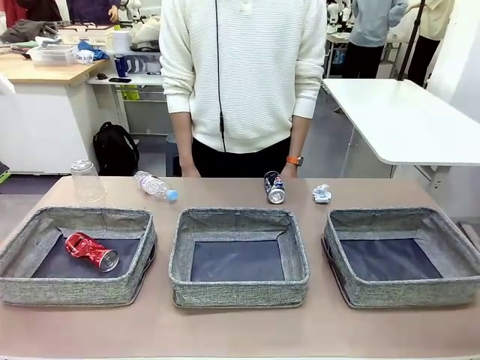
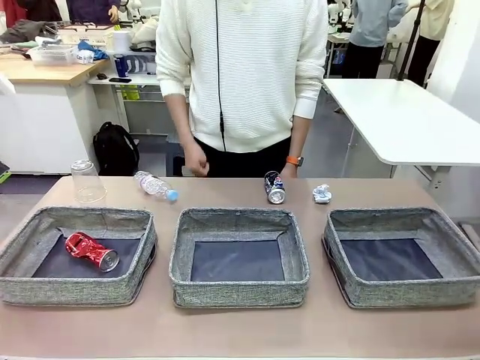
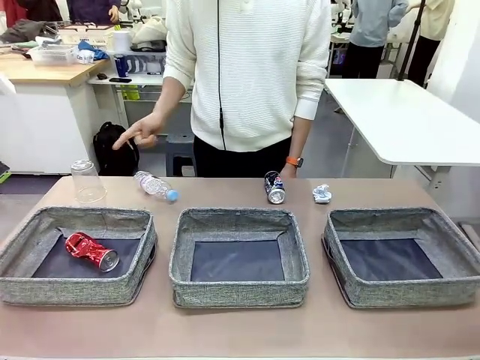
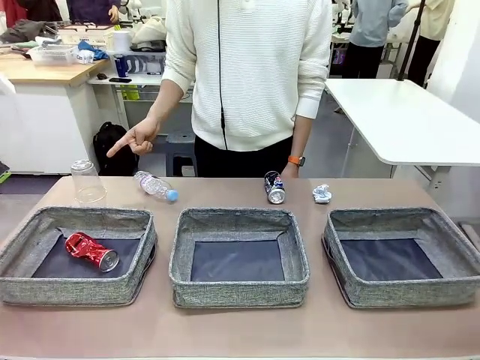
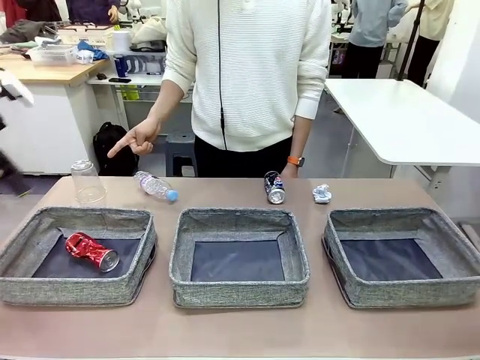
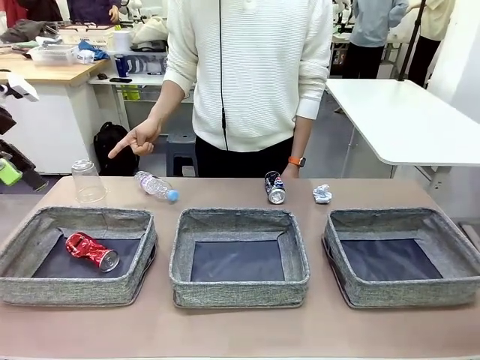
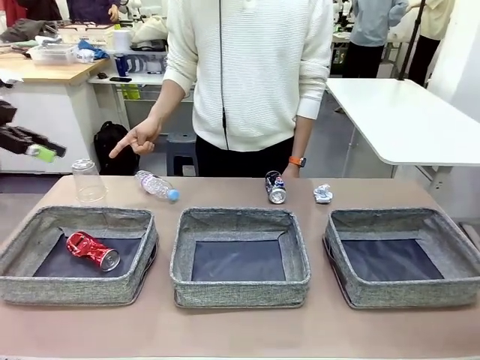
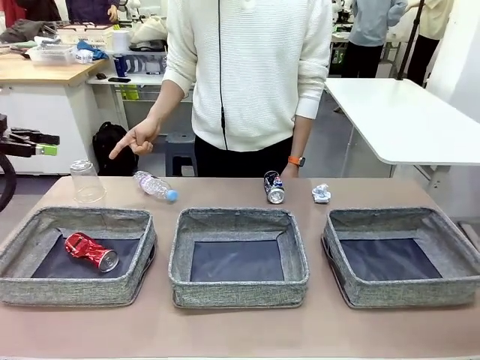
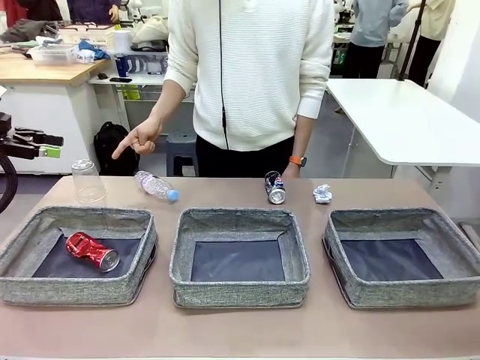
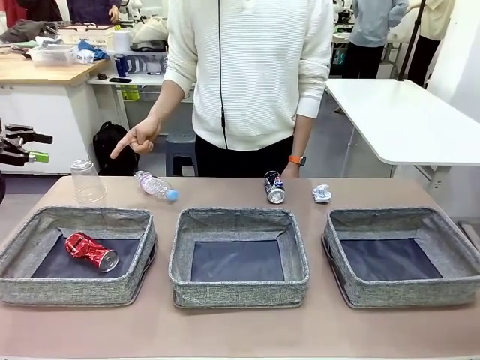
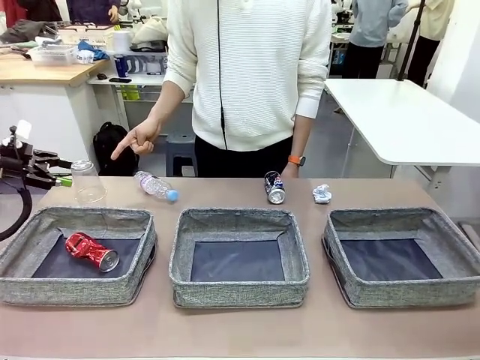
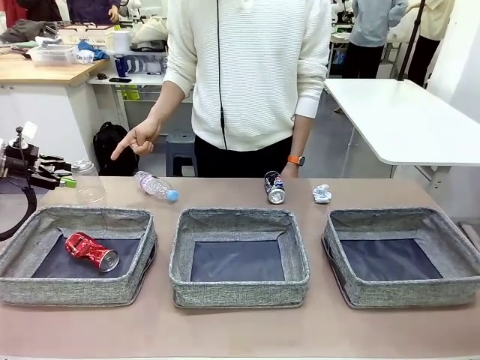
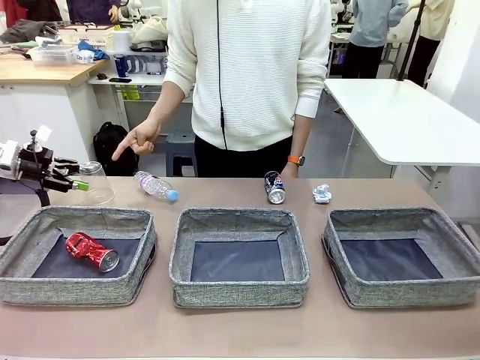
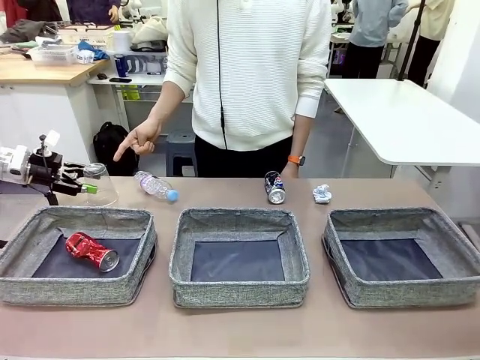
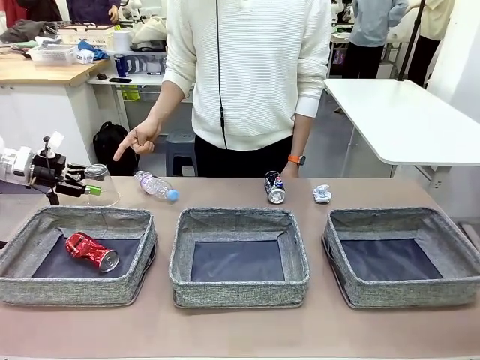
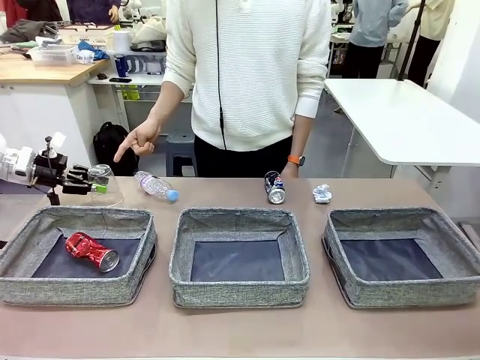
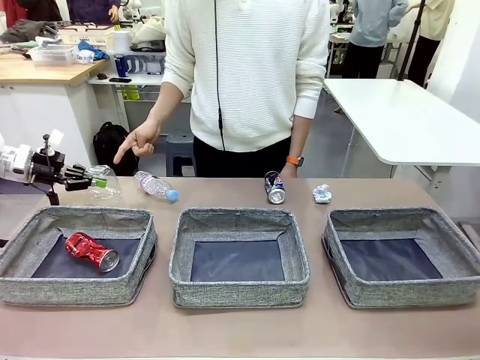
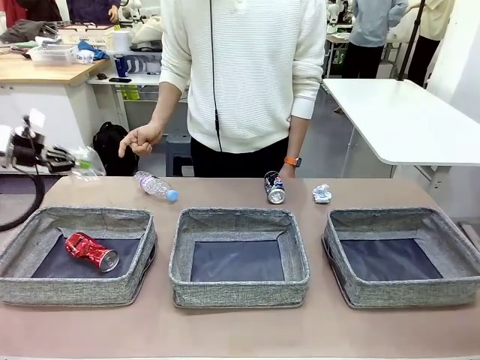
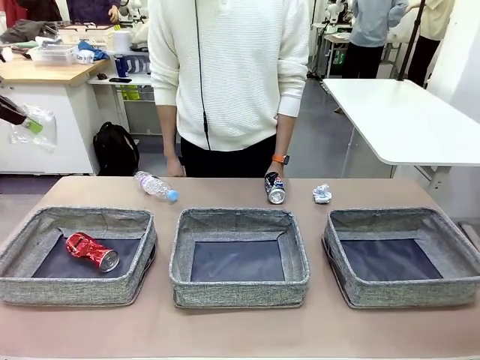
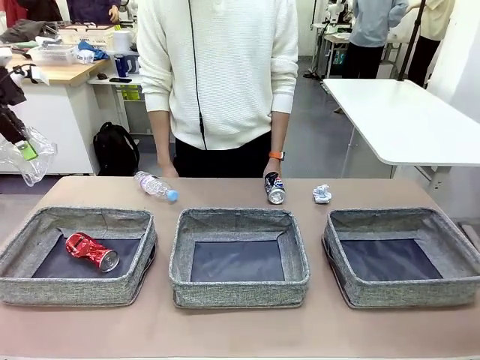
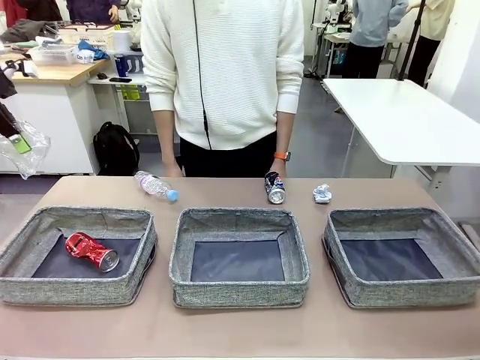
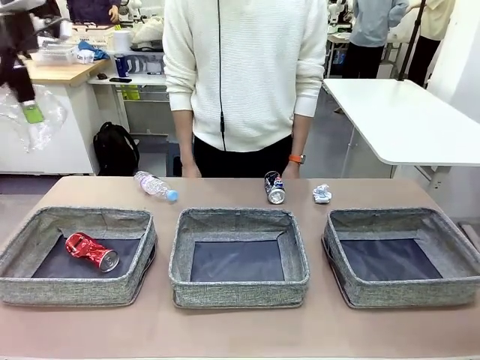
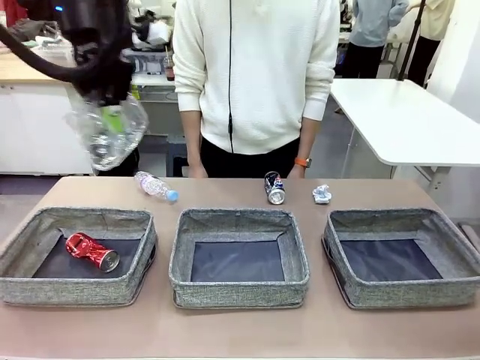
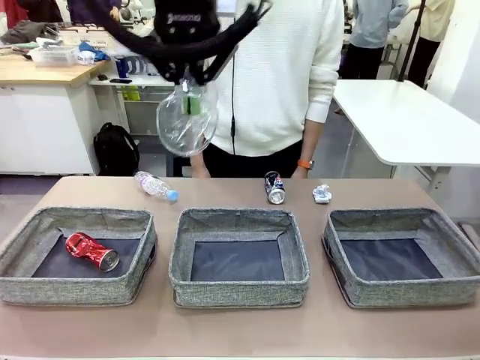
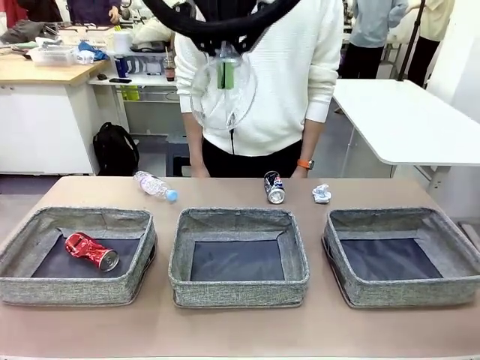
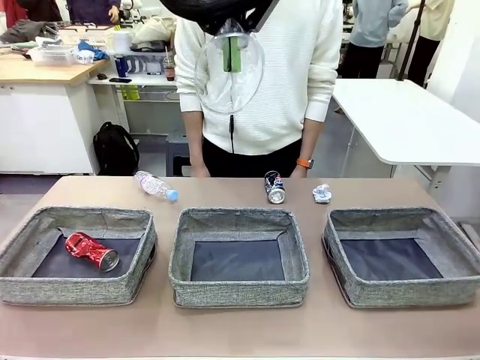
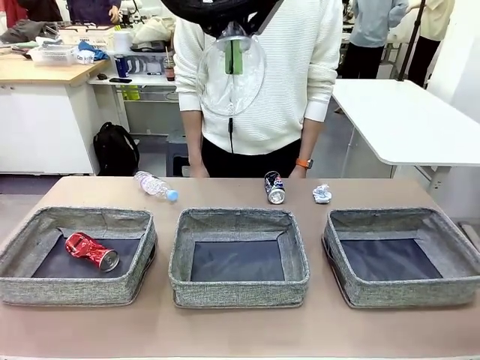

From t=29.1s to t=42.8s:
Task: Sort the waste into the appropriate baskets.
Robot: Pick up the waste item pointed out by the person.
Person: Points to one piece of trash on the table.

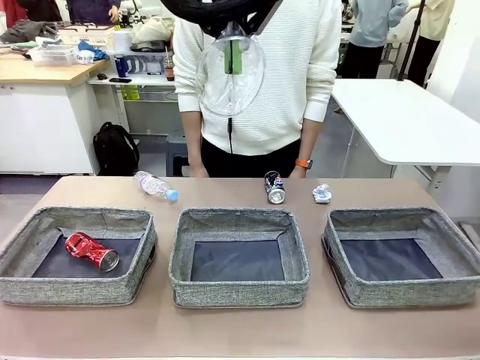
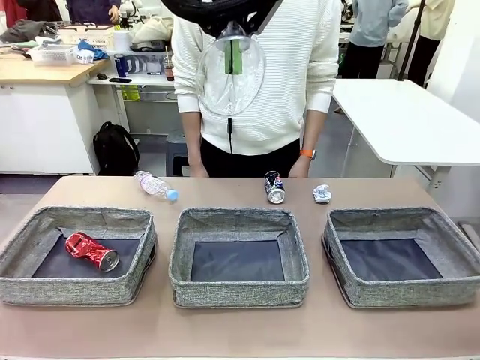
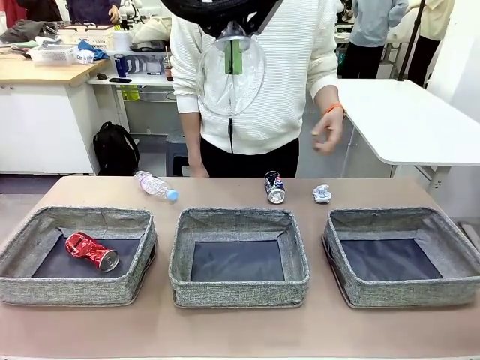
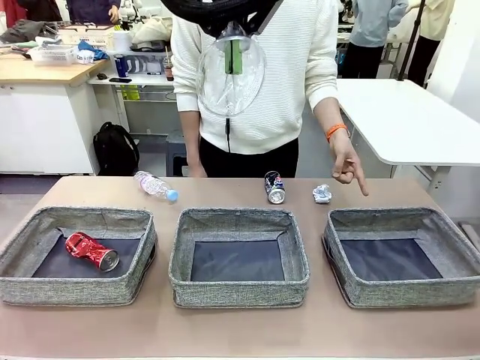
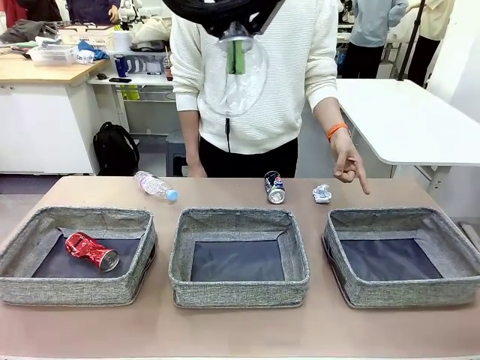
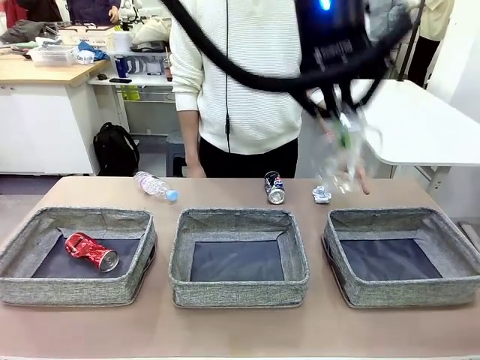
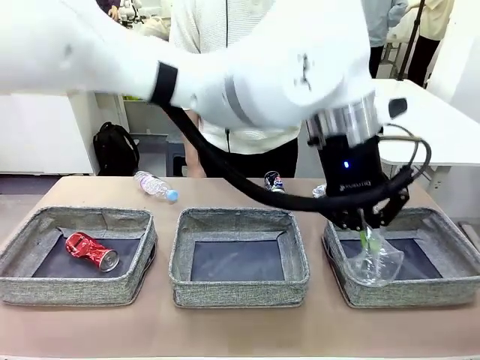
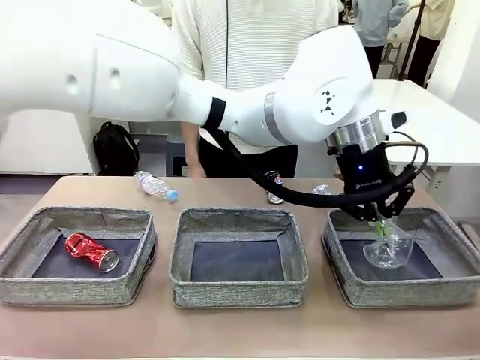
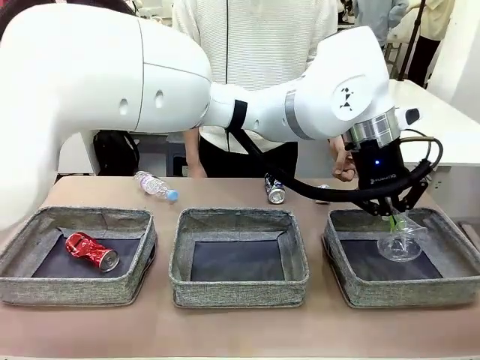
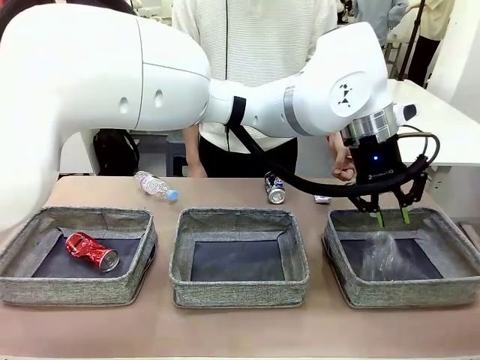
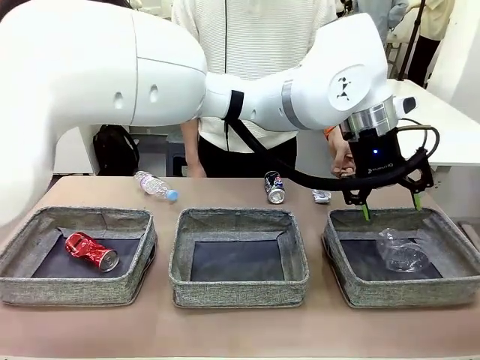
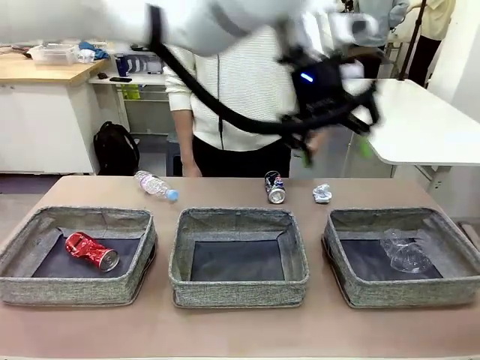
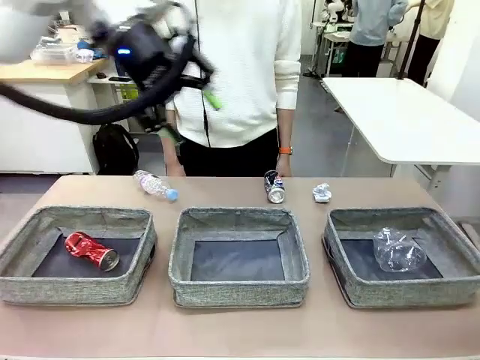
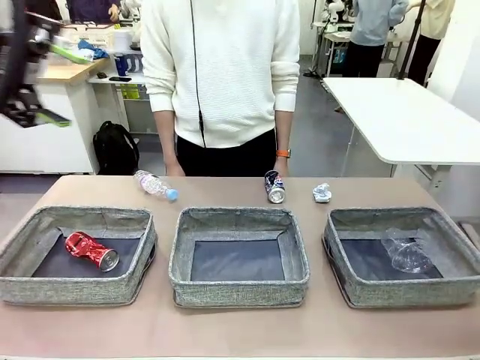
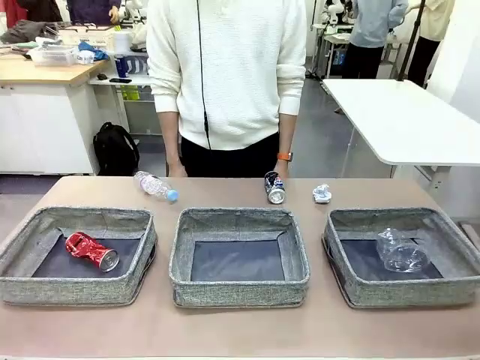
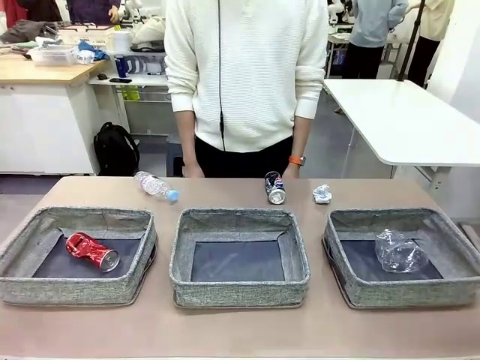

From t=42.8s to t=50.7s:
Robot: Place the picked waste into the Fabric basket indicated by the person.
Person: Instructs the robot to place the picked-up trash into the appropriate organizing basket.

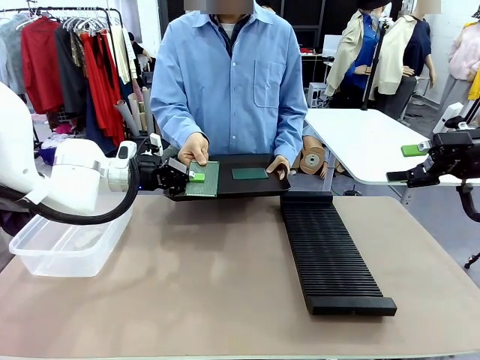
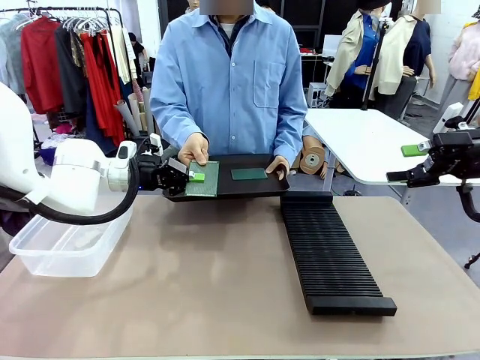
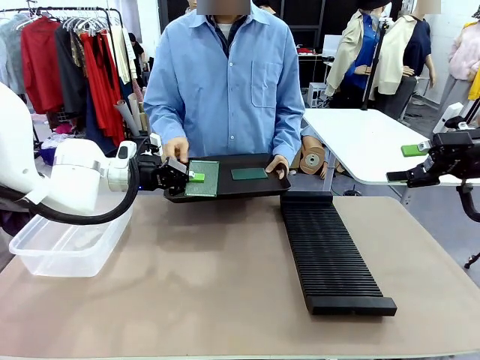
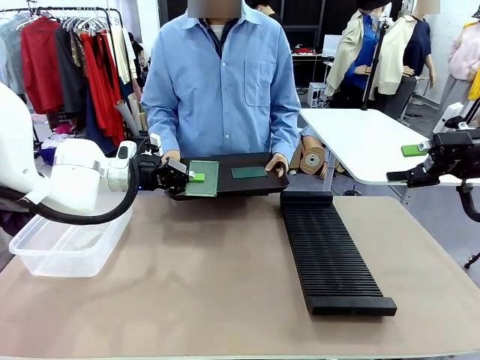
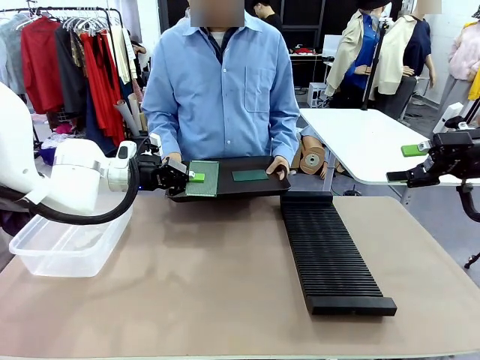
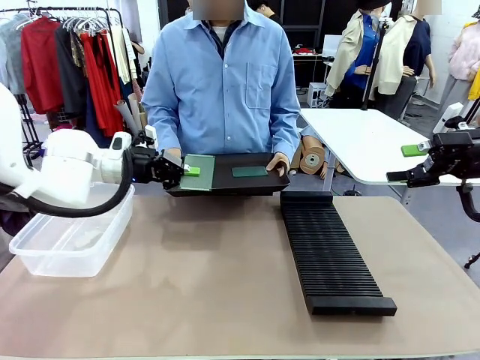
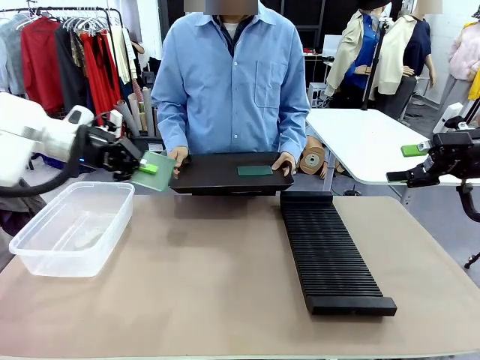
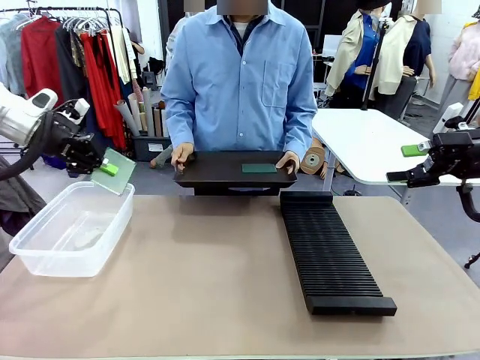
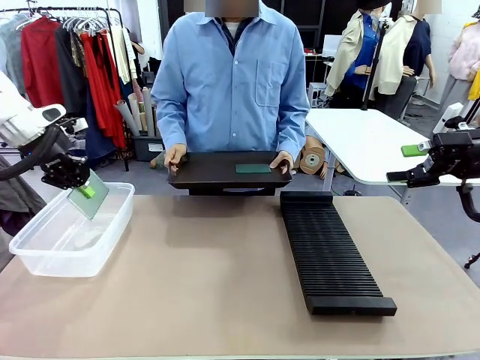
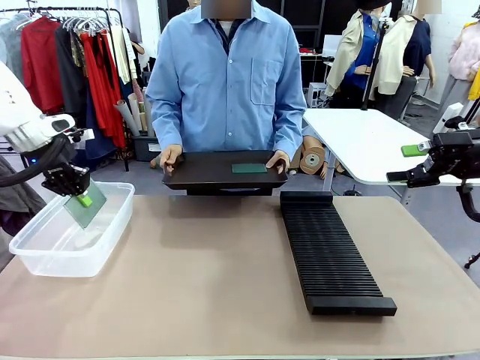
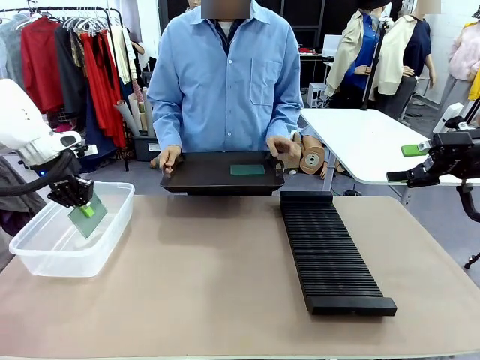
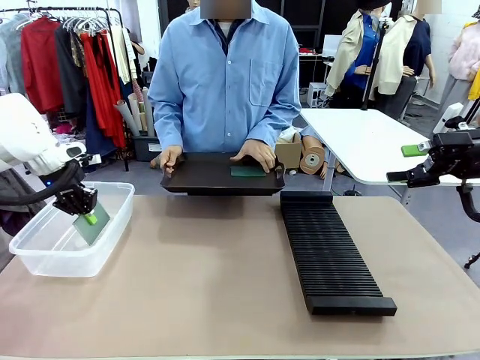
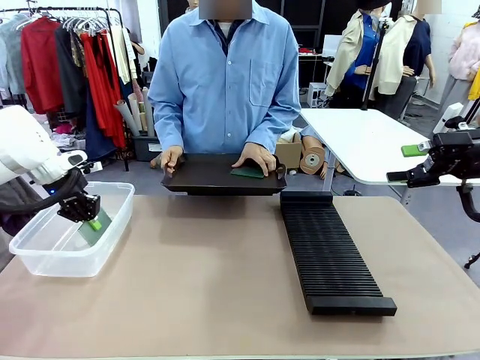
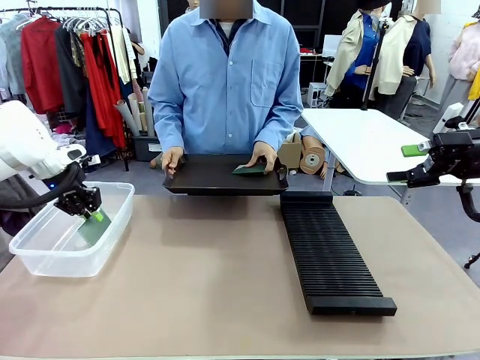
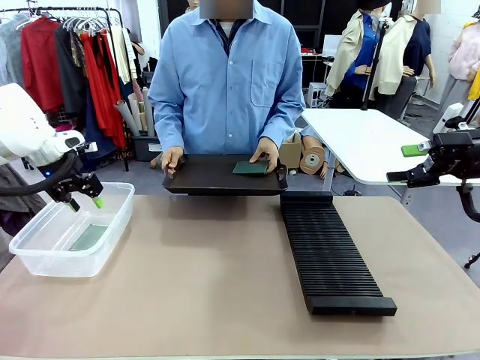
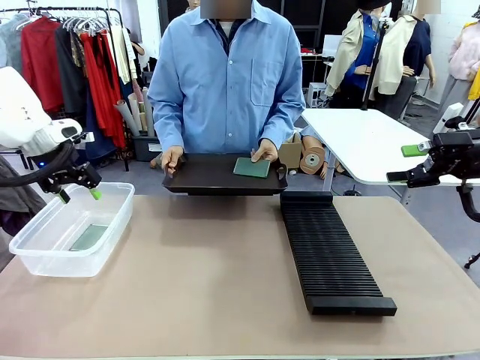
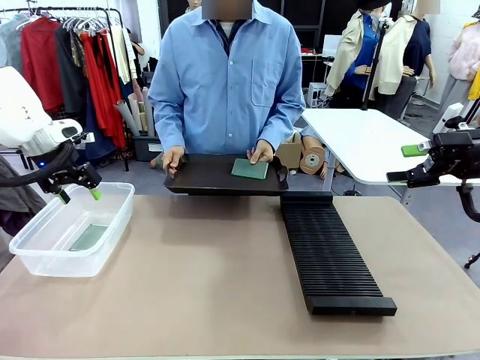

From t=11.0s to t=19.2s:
Task: Sort PCBs into racks and boxes based on the side picked up.
Robot: If the short side of the Blank PCB is picked up, insert it into the PCB Rack ; if the long side is picked up, place it in the Organizing box.
Person: Pick one PCB from the tray and present it to the robot.
